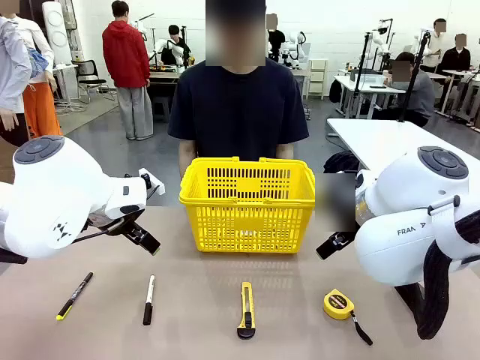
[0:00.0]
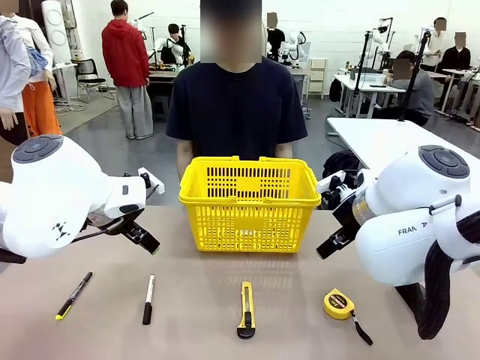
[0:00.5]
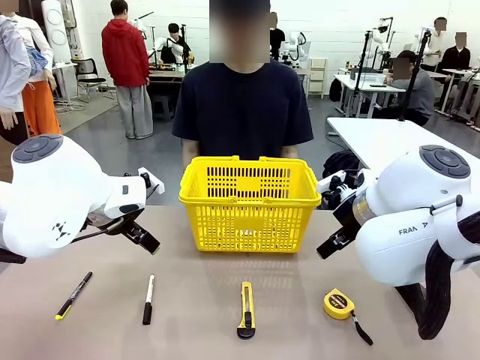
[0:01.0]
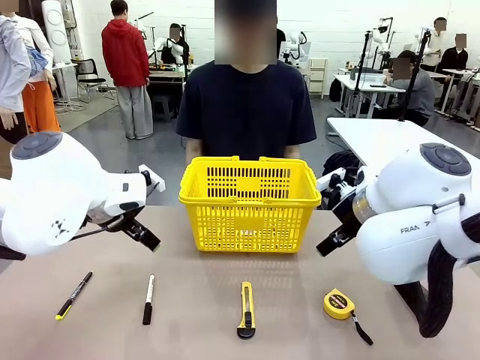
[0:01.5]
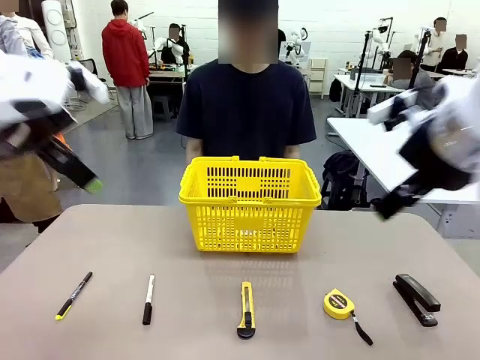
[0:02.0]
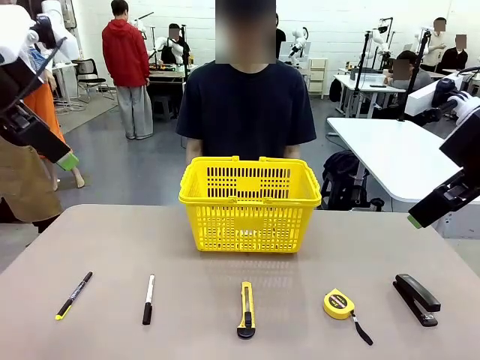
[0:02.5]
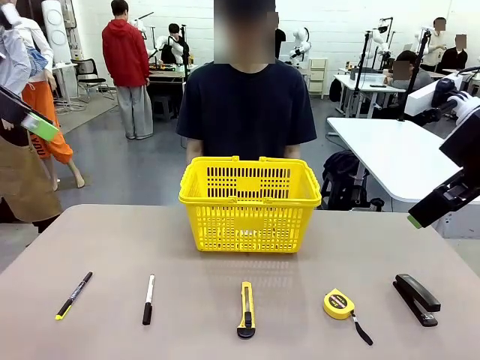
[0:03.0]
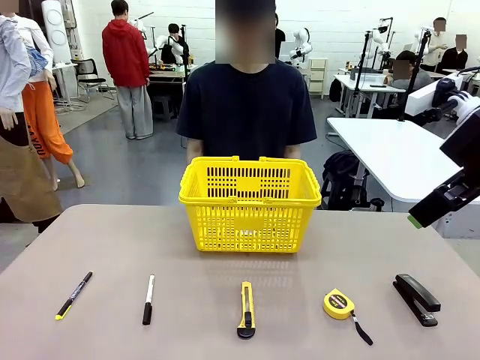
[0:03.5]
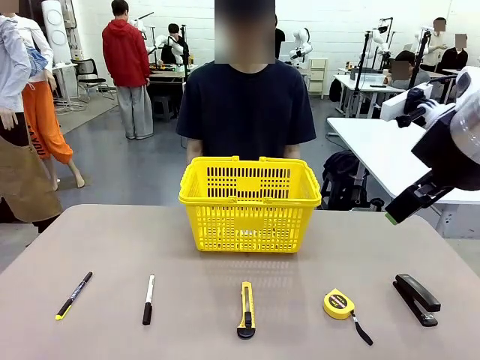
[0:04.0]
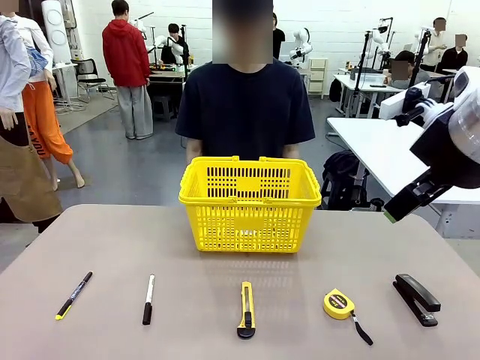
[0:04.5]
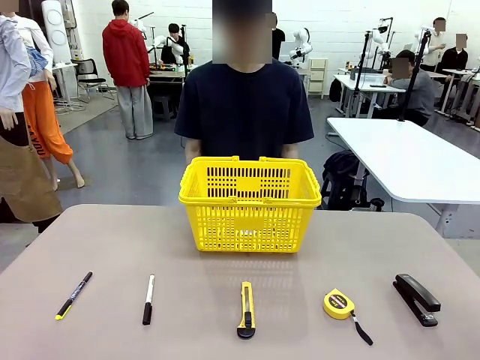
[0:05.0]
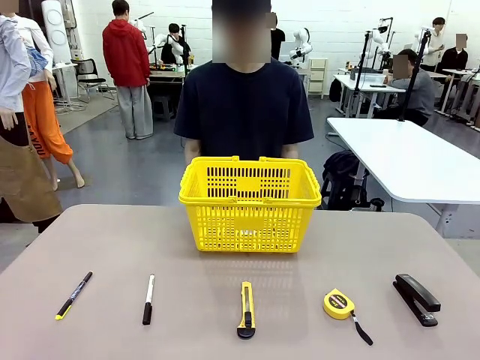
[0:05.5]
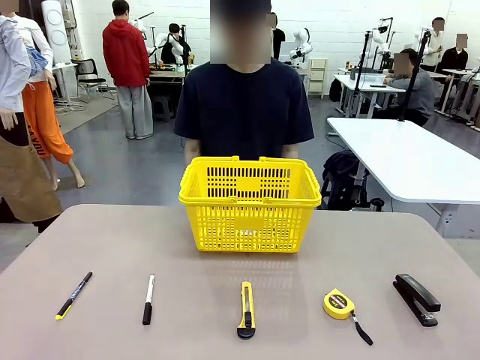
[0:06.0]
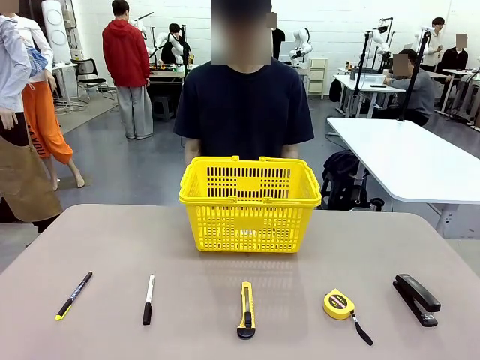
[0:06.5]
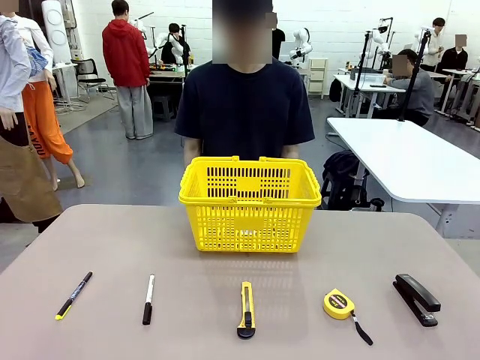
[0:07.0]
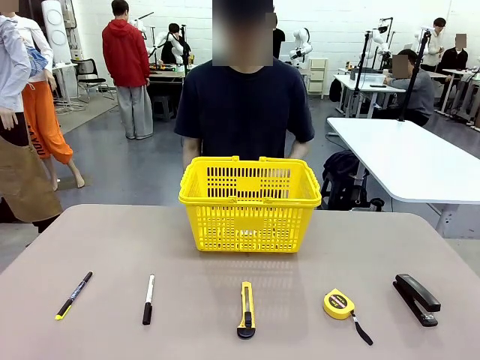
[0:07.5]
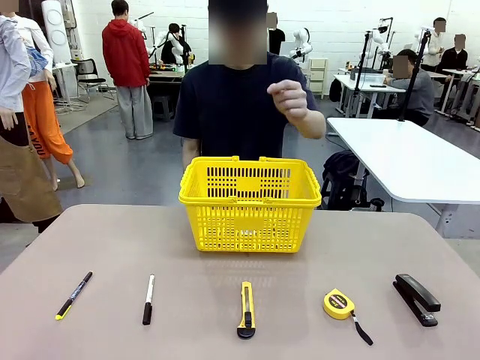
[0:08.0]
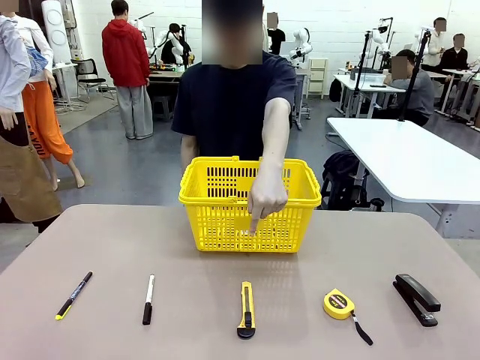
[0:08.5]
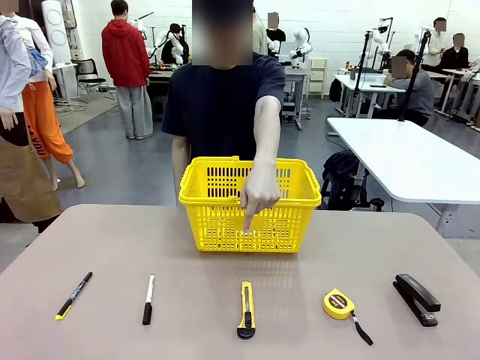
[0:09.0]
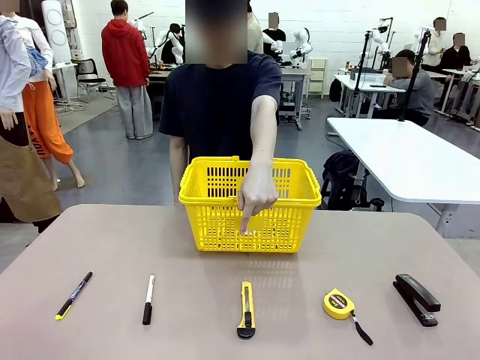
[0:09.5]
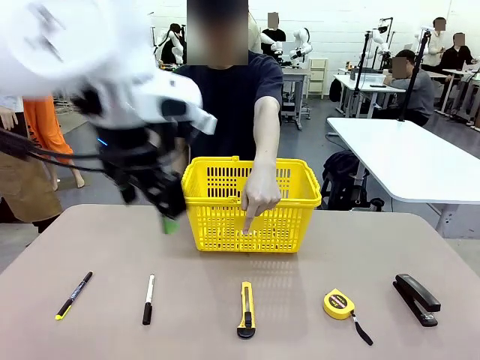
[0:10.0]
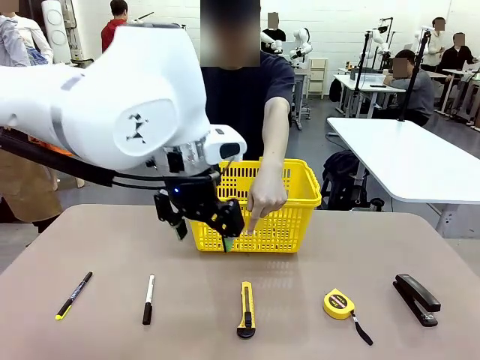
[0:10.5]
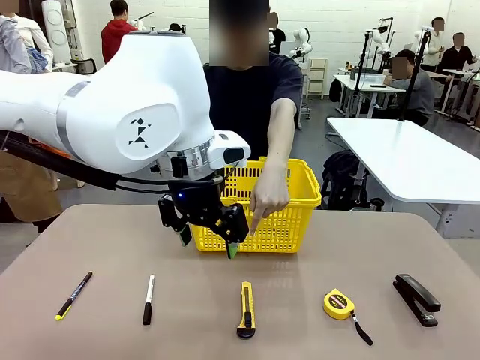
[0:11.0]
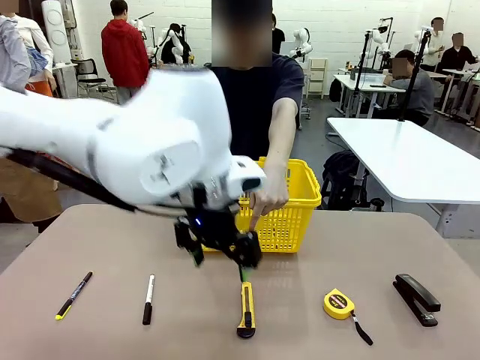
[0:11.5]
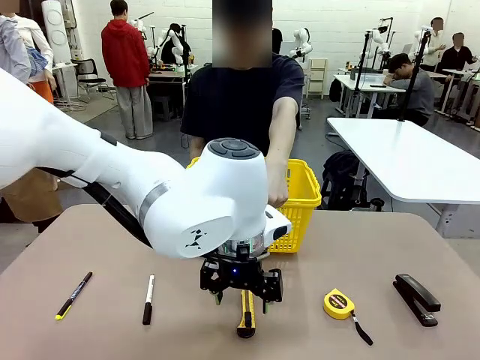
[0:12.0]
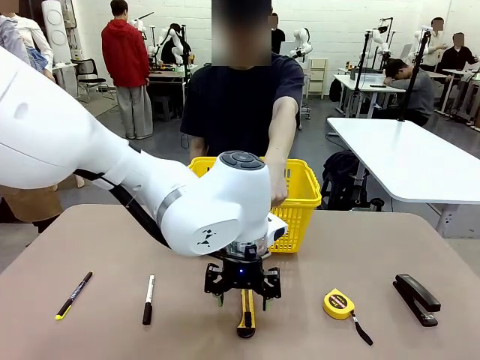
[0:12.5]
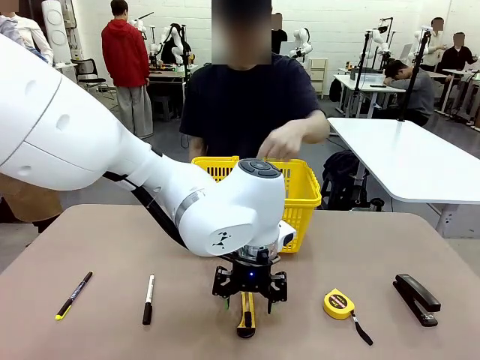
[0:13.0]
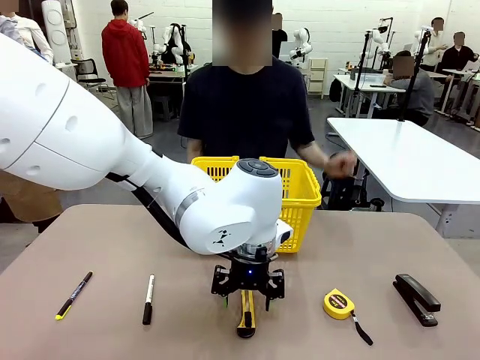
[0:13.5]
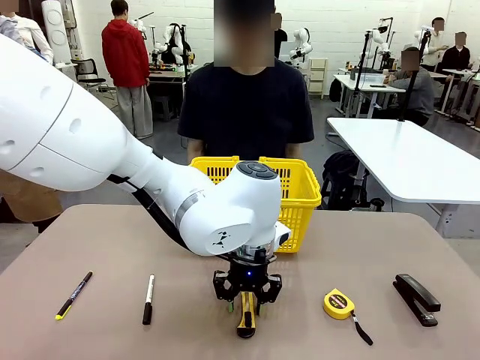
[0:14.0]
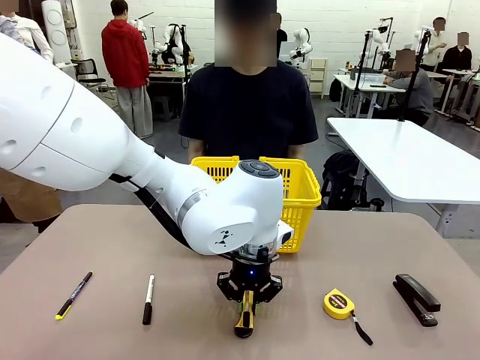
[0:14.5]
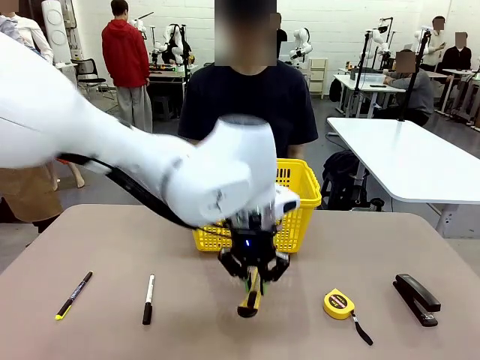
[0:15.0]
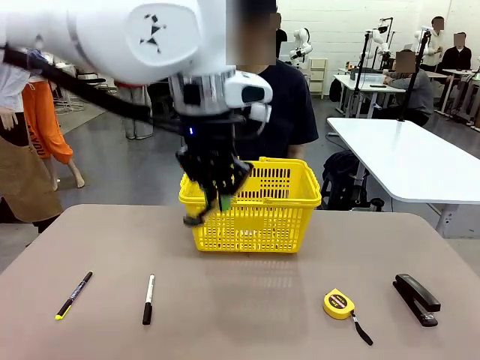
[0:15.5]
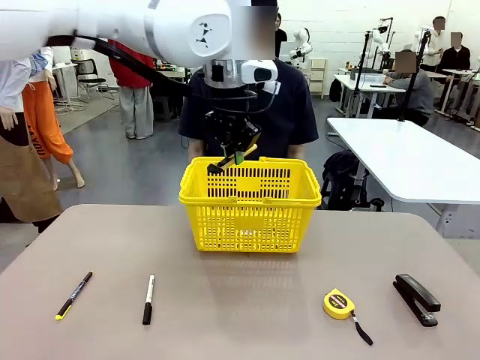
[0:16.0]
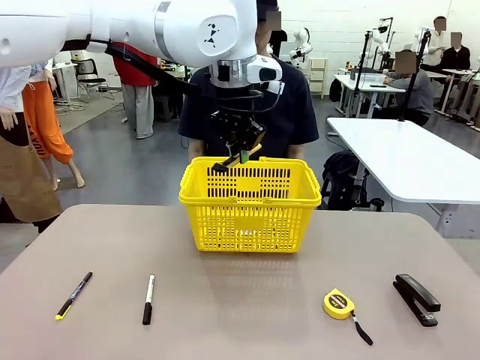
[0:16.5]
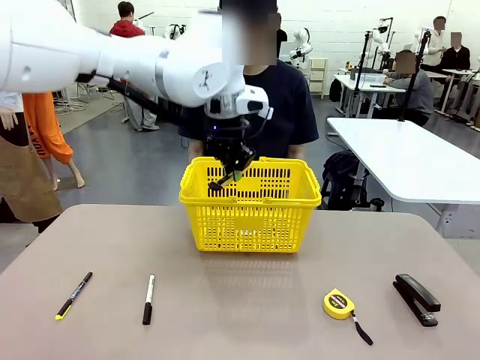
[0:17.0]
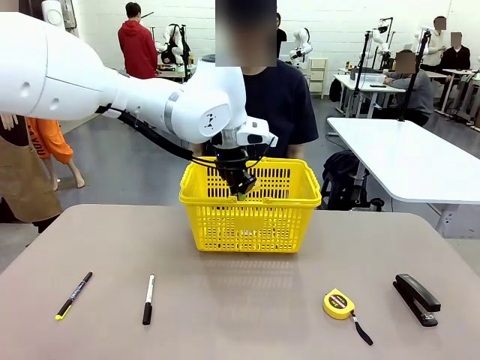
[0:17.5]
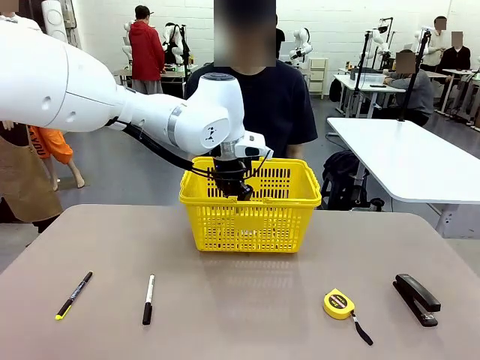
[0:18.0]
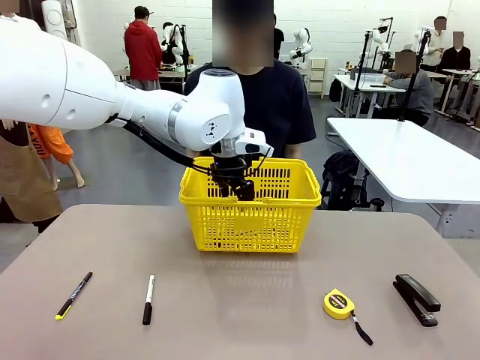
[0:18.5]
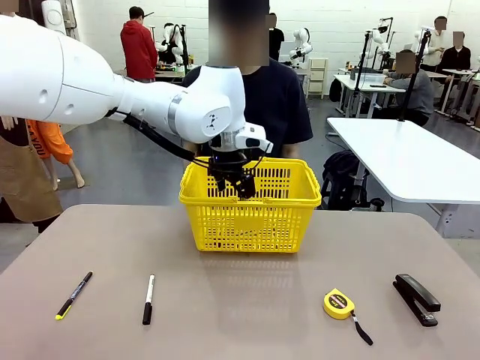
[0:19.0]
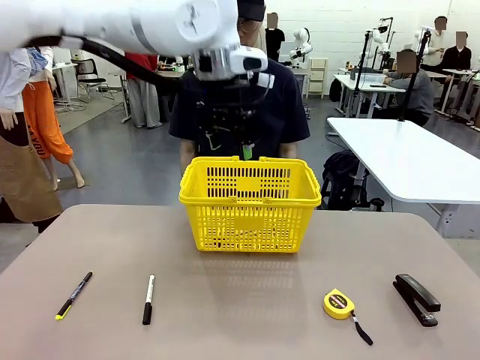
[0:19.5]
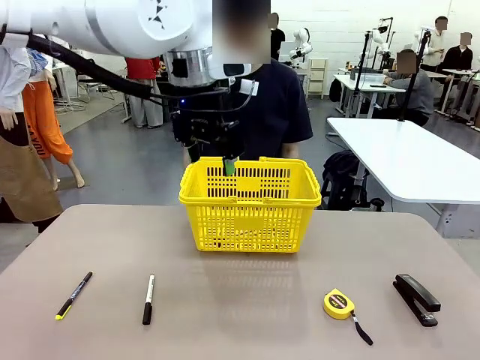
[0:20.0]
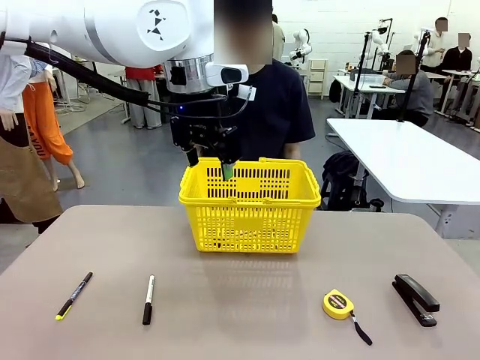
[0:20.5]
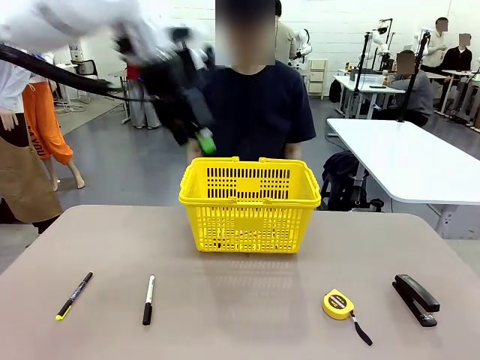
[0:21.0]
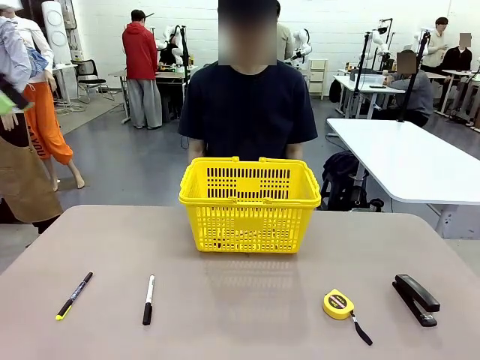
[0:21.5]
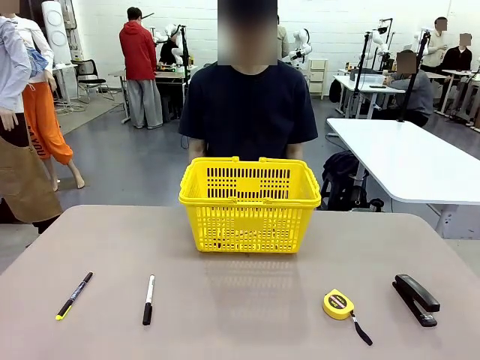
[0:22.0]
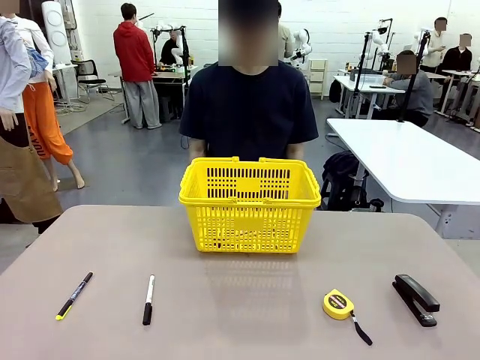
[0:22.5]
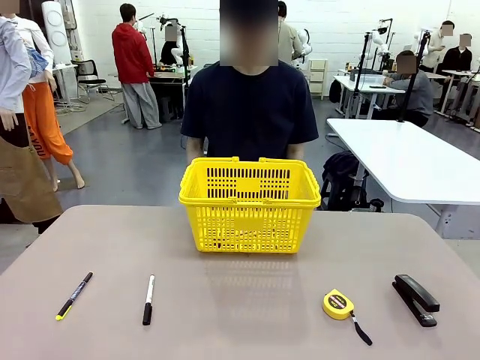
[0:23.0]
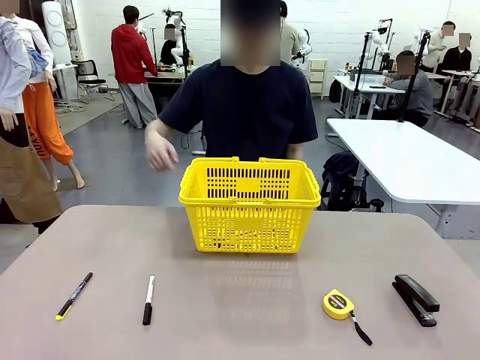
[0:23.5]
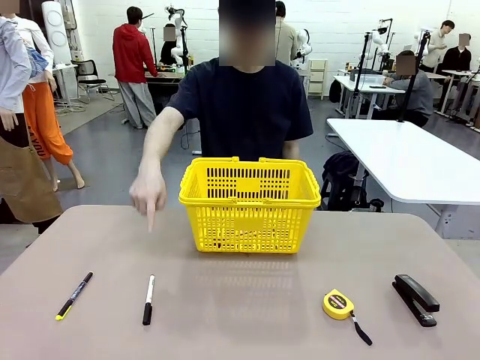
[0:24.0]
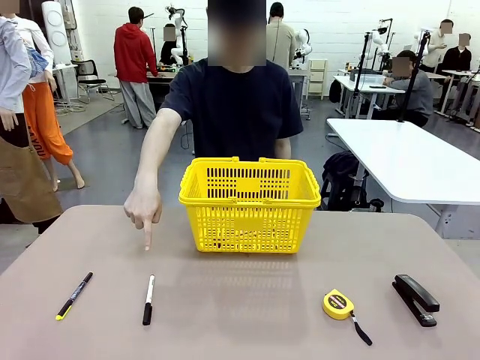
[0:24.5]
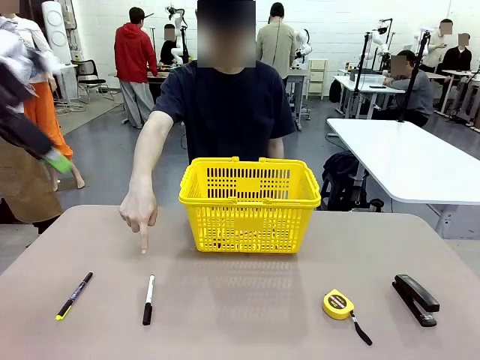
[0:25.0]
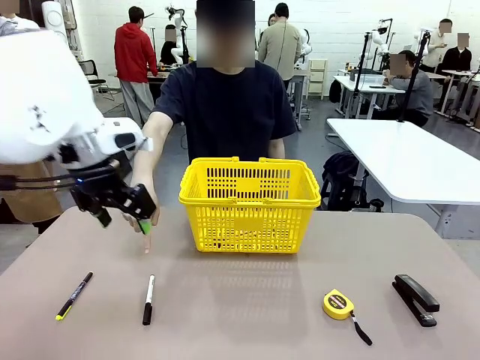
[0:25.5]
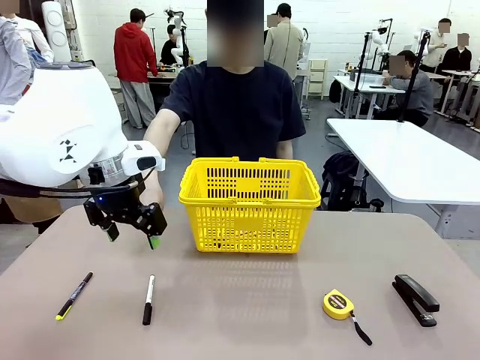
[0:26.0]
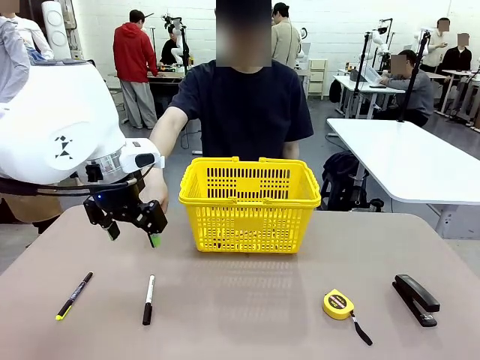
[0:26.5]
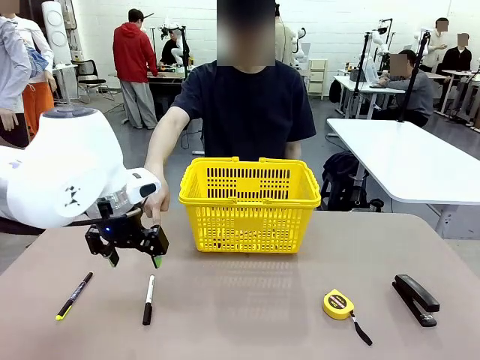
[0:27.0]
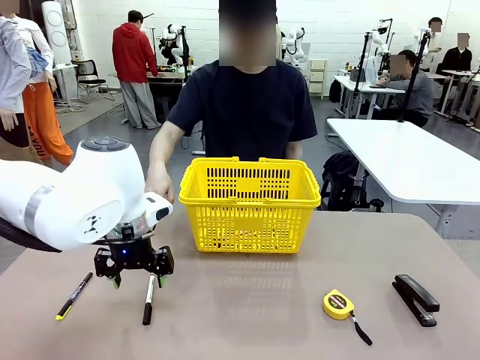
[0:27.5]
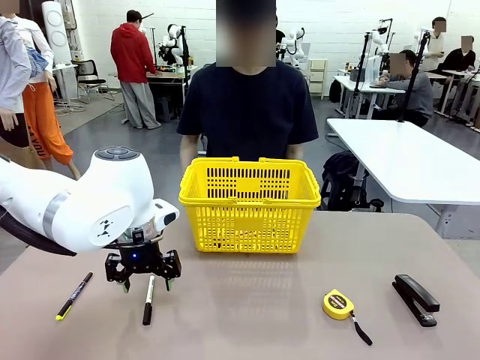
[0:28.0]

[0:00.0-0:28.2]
Task: Place the items the person wants into the basket.
Robot: Pick up the item the person points to and place it in the Market Basket.
